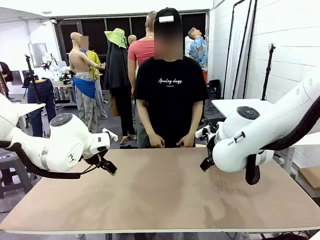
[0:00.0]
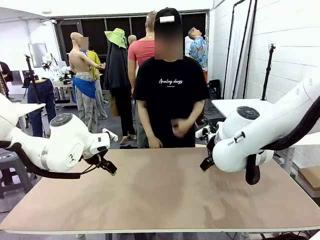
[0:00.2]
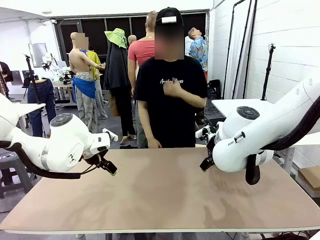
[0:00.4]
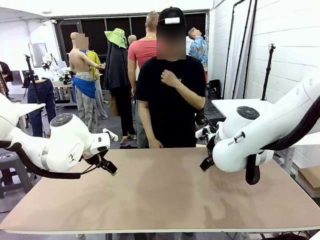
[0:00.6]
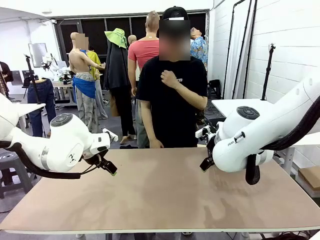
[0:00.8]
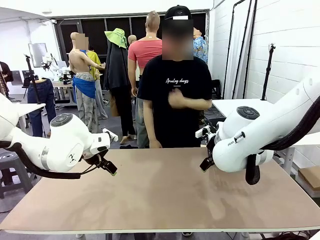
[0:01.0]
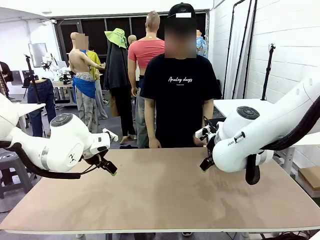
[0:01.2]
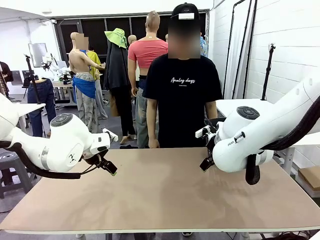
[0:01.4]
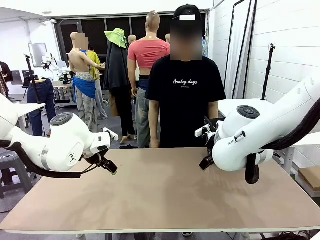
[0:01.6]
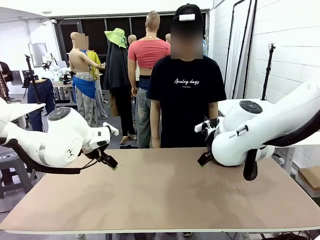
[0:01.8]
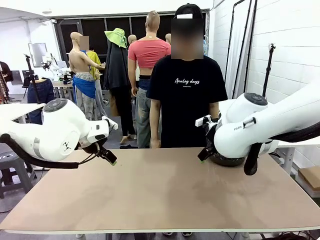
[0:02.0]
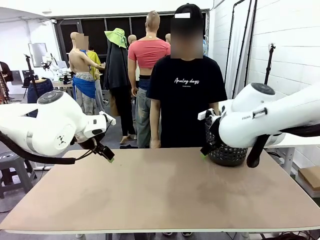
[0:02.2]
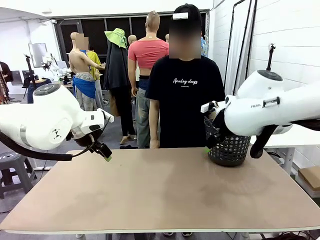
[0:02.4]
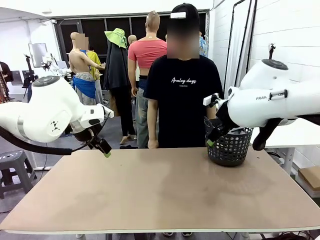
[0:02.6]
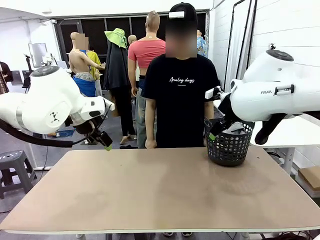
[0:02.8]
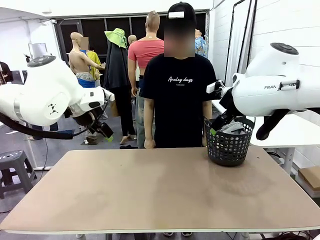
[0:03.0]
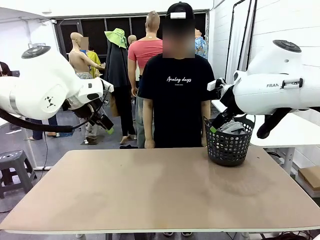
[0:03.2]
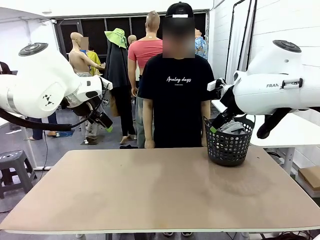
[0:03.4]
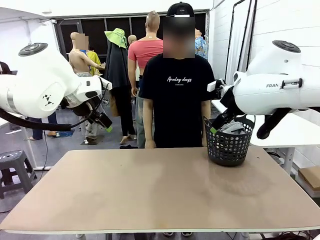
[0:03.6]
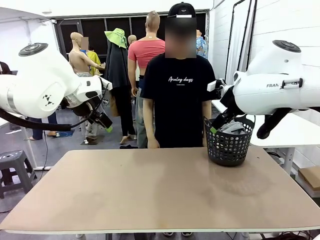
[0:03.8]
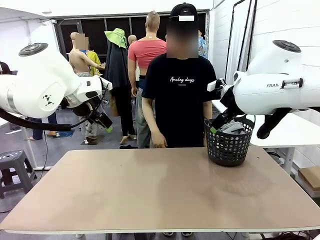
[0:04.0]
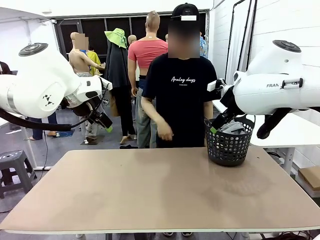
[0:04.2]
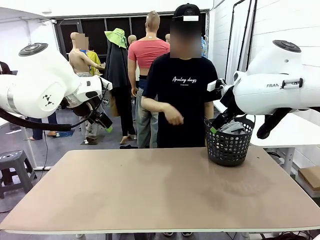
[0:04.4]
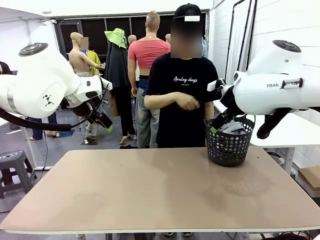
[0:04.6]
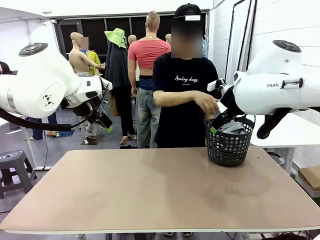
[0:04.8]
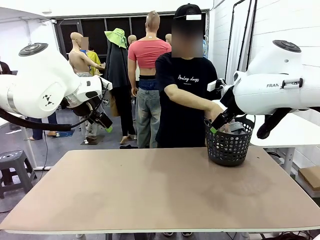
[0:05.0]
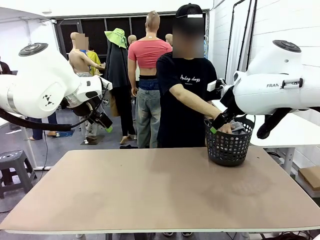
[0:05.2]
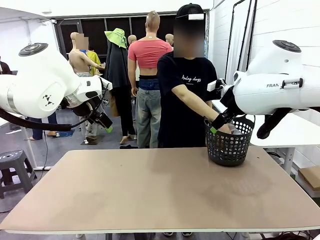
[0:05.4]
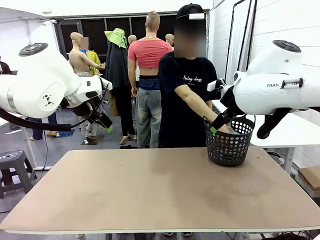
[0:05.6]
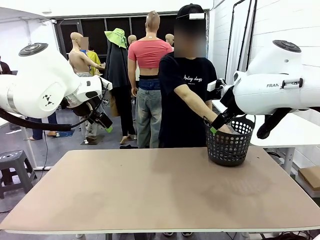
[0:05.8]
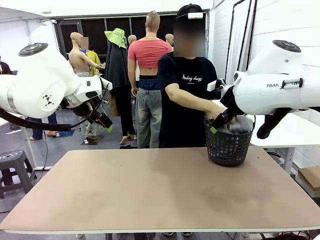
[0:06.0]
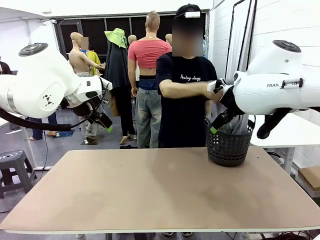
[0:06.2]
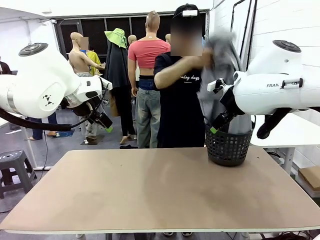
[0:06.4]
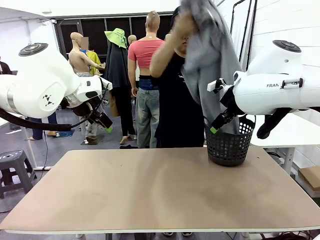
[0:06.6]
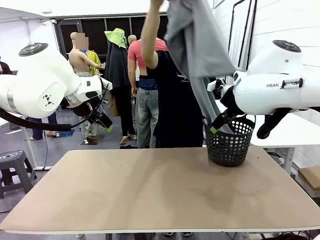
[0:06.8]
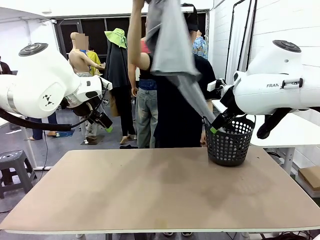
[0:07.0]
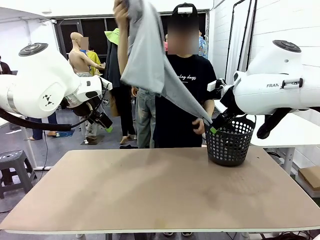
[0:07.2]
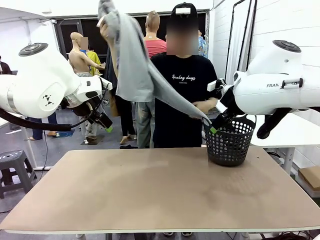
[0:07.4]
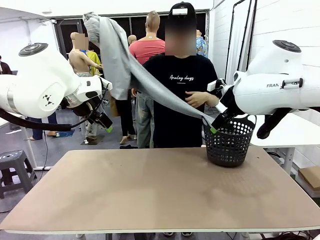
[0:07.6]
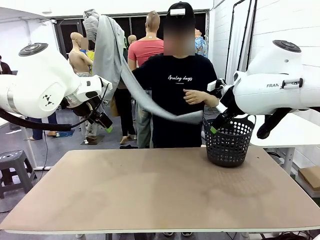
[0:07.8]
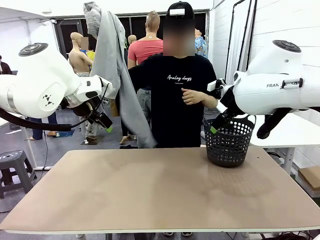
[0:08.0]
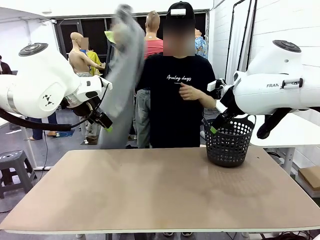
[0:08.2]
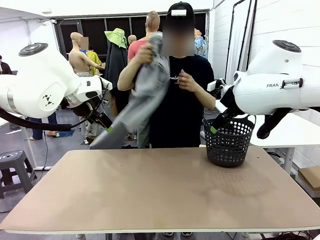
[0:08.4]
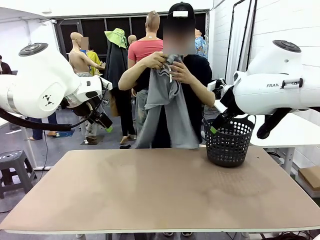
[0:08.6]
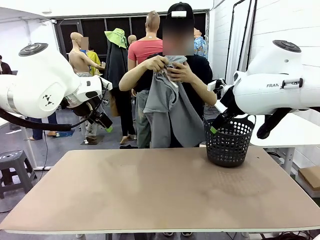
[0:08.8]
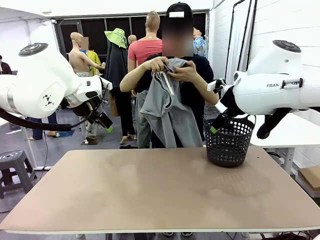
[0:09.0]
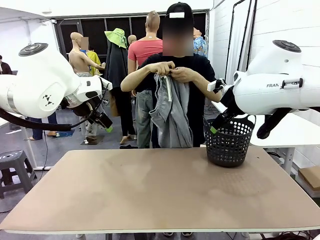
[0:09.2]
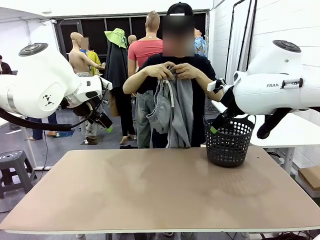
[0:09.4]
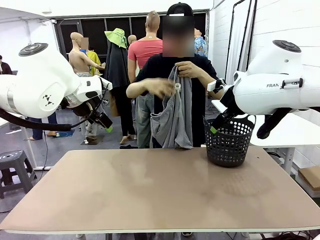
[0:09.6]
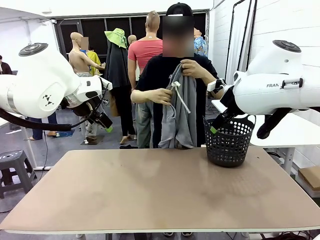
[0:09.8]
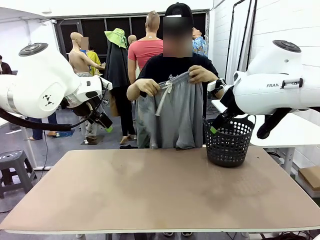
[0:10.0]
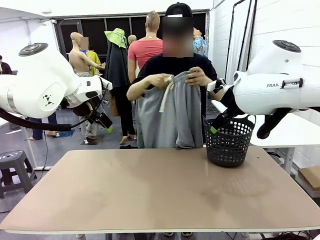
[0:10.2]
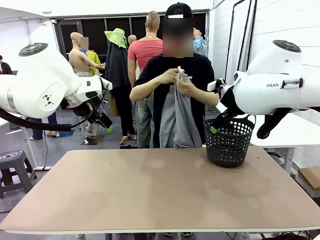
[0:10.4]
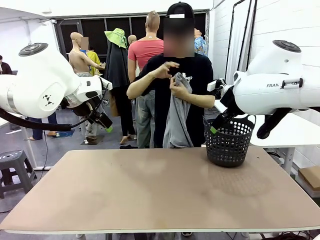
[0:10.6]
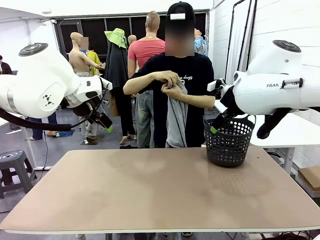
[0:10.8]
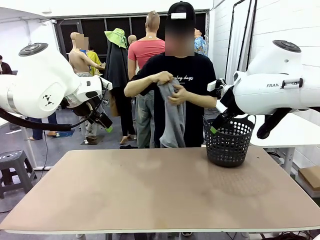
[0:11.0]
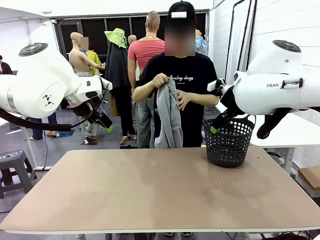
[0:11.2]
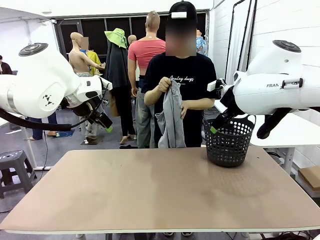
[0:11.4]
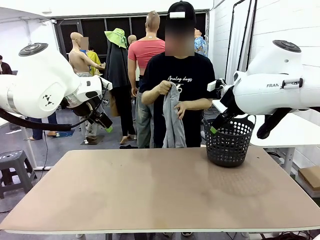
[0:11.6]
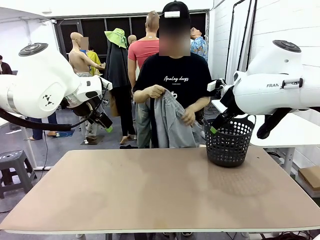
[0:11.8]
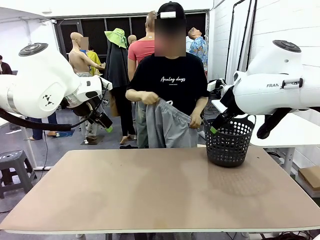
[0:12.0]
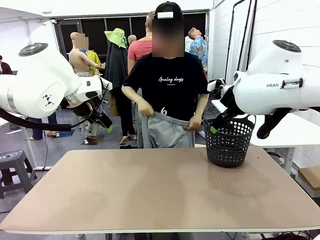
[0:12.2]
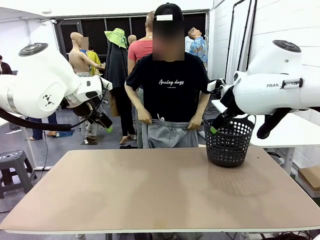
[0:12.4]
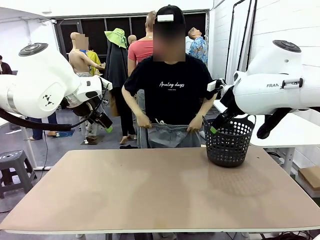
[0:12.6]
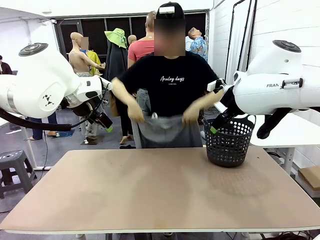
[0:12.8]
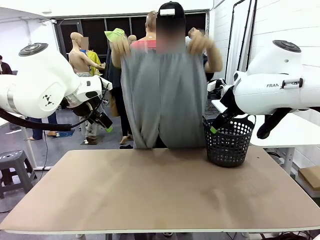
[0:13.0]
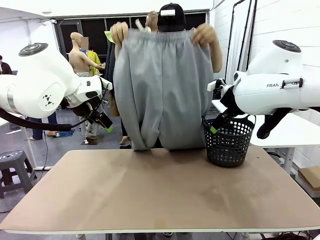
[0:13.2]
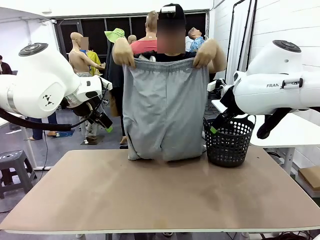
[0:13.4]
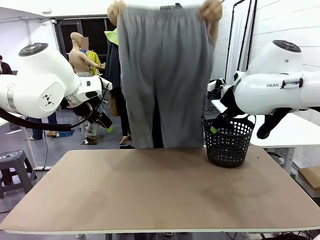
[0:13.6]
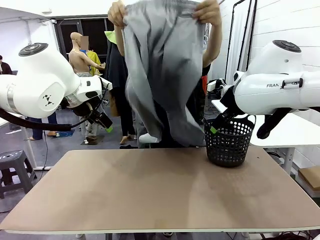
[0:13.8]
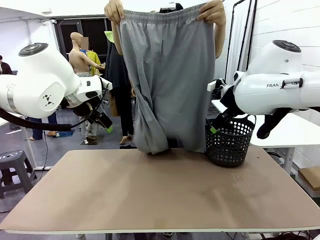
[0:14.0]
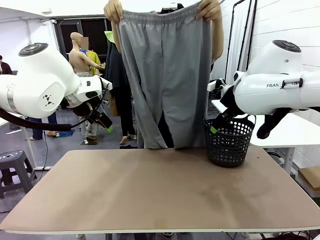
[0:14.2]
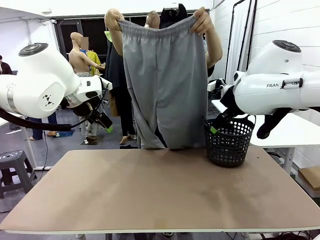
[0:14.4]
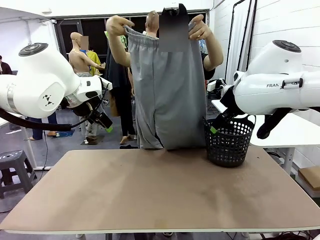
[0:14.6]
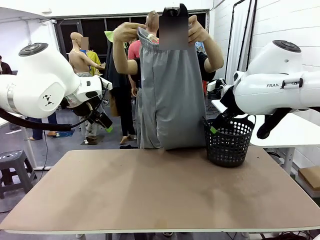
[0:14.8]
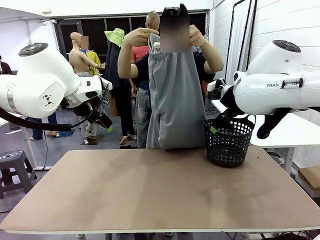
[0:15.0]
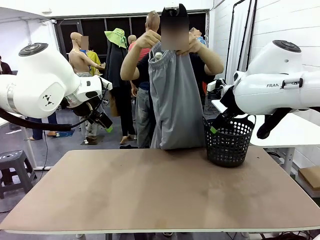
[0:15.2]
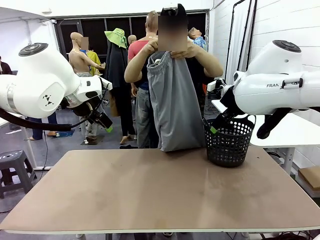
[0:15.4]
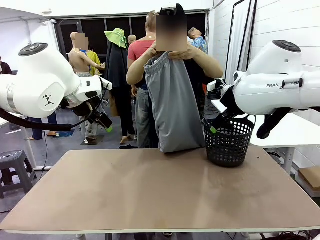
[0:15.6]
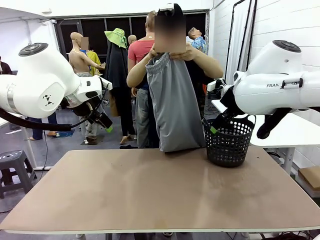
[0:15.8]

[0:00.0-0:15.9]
Task: Fold the training pants.
Robot: Grab both ends of the Training pants handed by a person.
Person: Take the long pants out of the laundry basket, unfold them, fold the waist in half, and extend them so the robot can pick up both corners.
